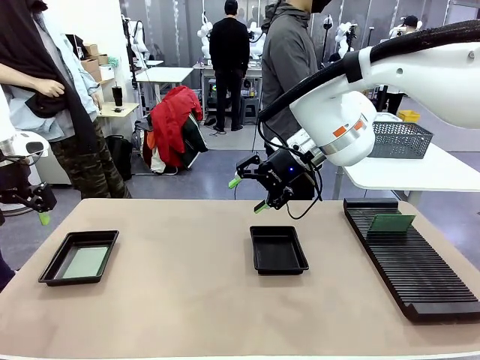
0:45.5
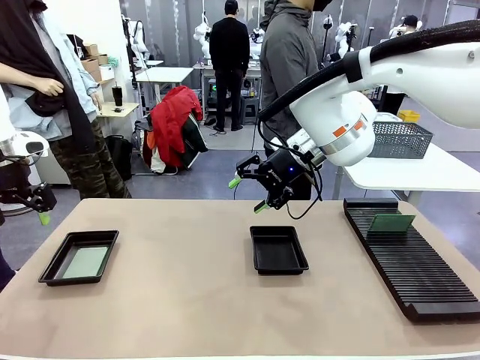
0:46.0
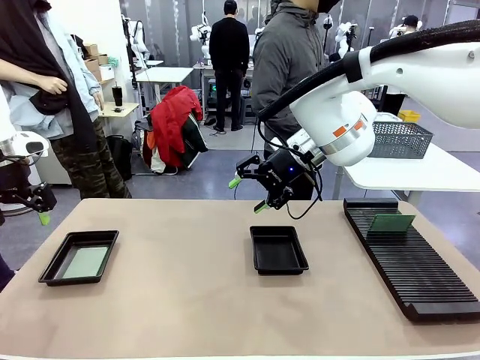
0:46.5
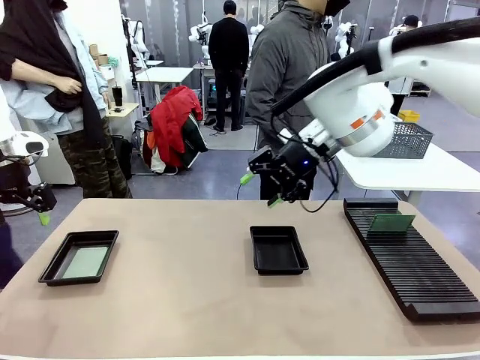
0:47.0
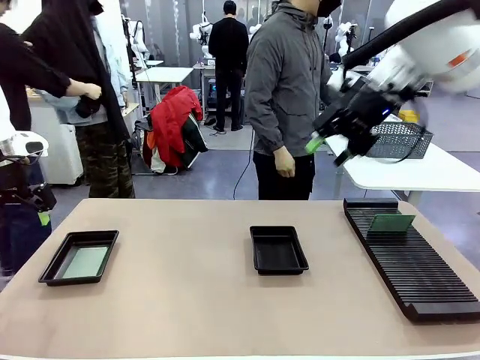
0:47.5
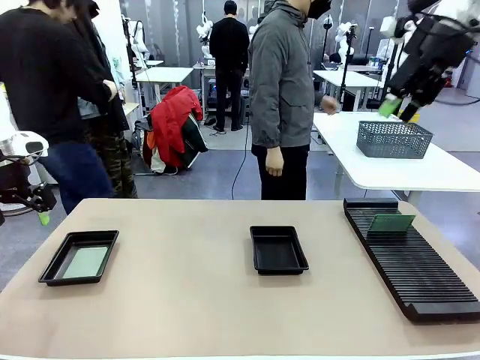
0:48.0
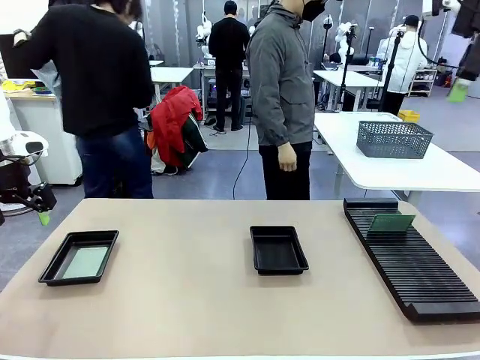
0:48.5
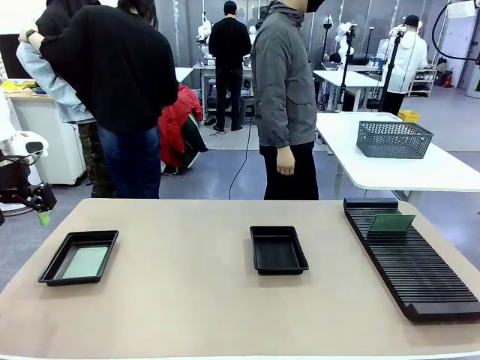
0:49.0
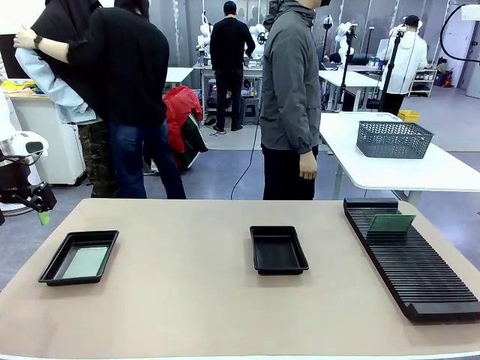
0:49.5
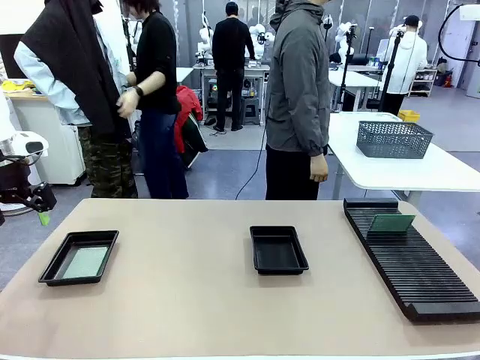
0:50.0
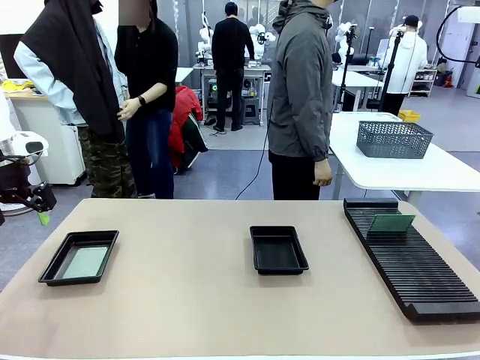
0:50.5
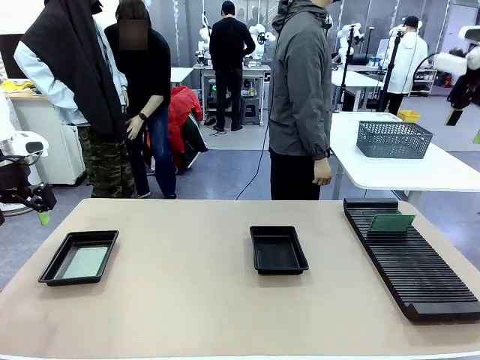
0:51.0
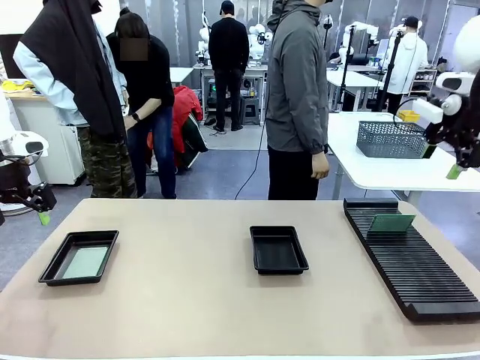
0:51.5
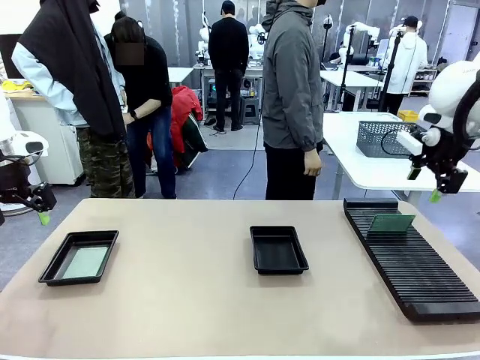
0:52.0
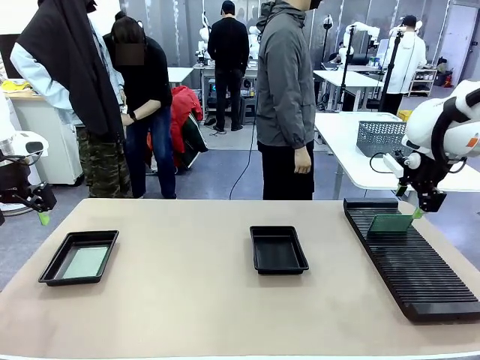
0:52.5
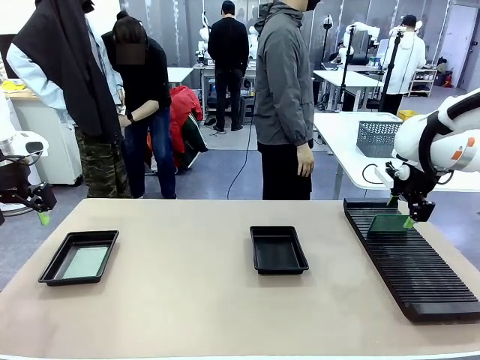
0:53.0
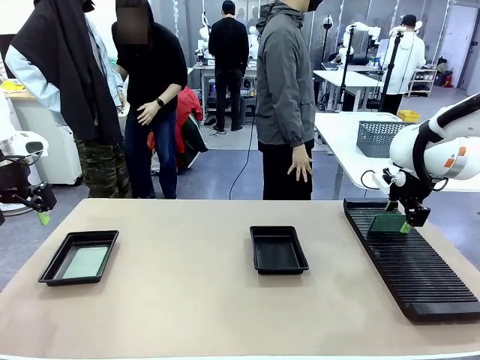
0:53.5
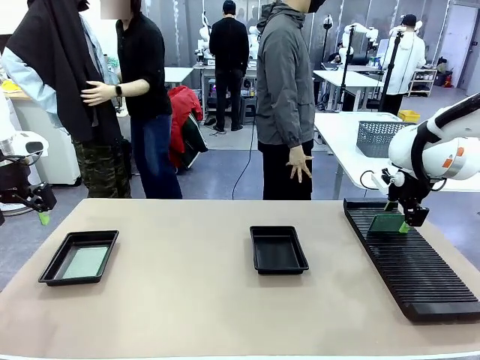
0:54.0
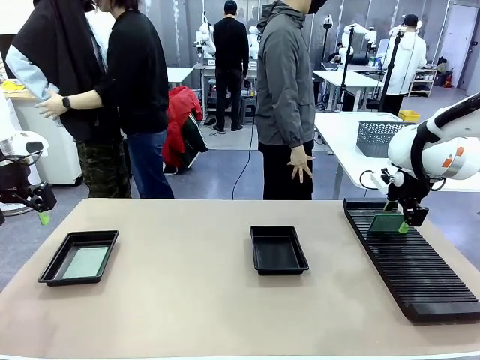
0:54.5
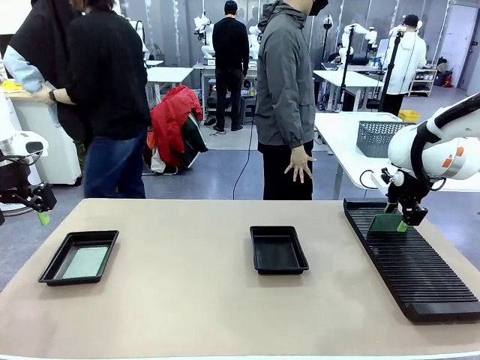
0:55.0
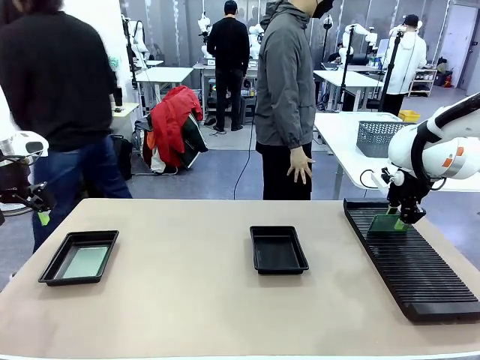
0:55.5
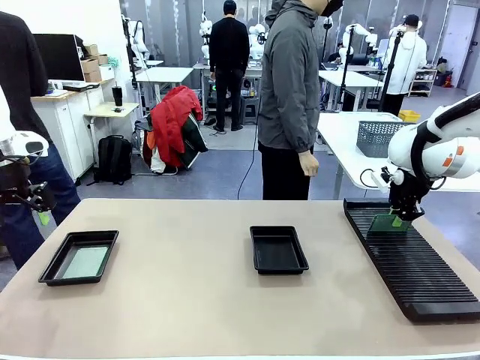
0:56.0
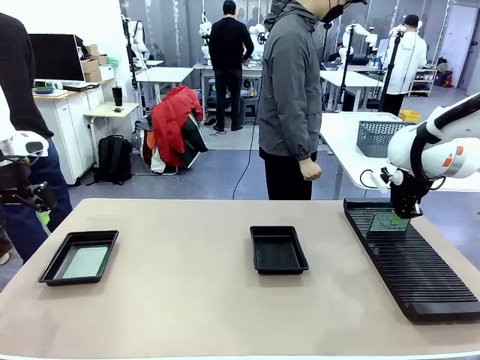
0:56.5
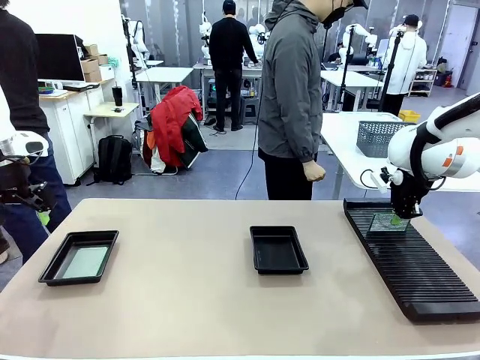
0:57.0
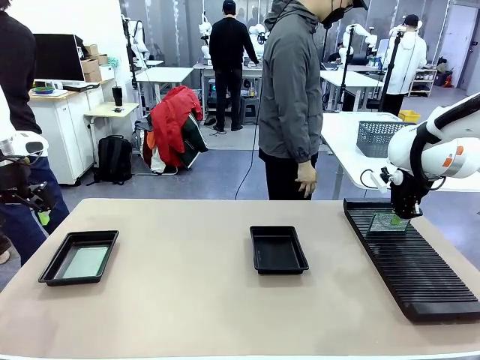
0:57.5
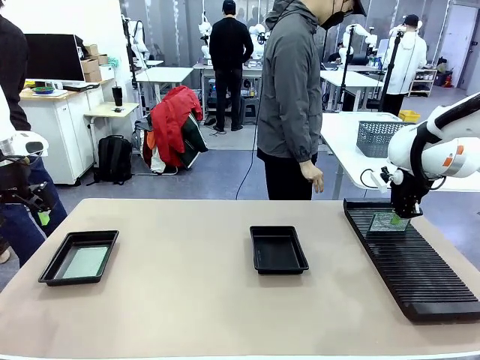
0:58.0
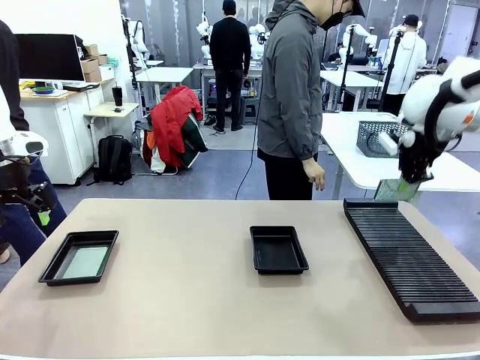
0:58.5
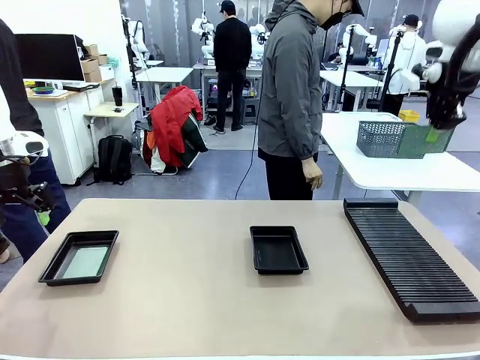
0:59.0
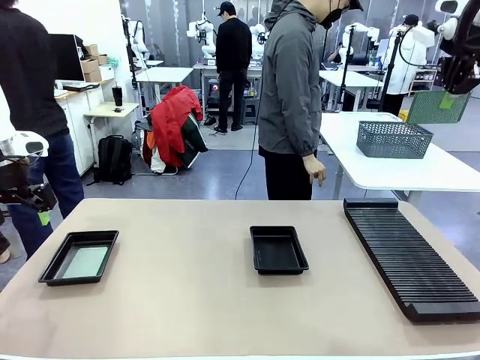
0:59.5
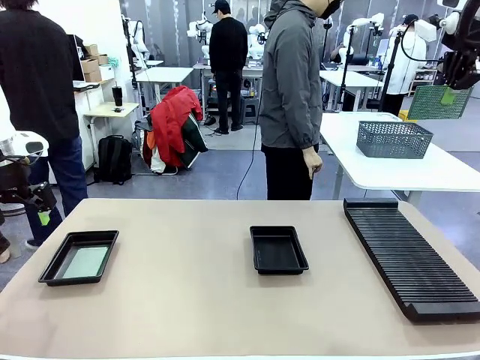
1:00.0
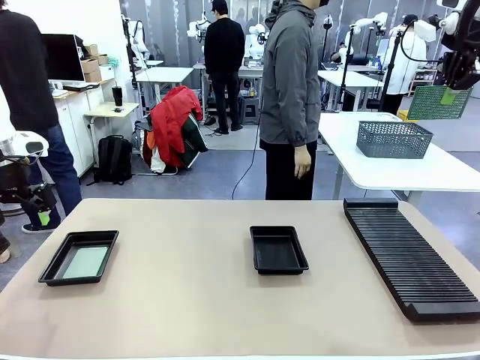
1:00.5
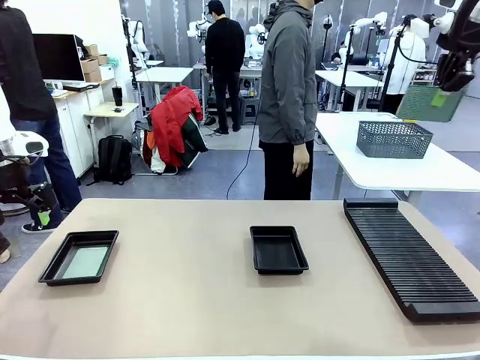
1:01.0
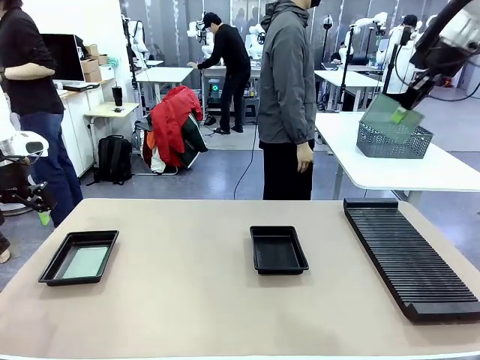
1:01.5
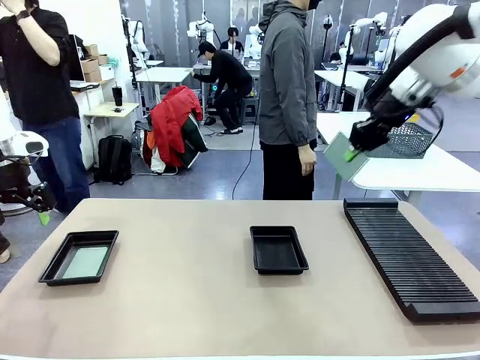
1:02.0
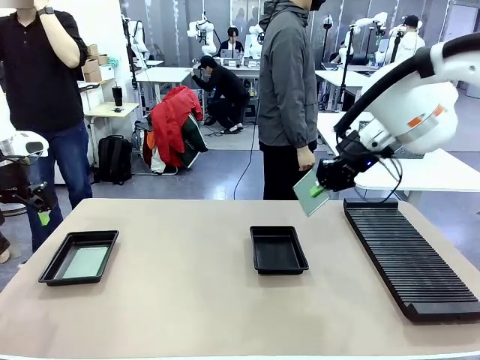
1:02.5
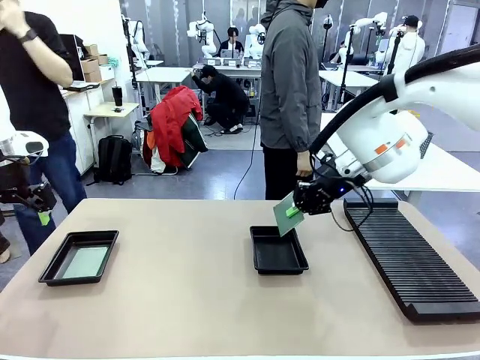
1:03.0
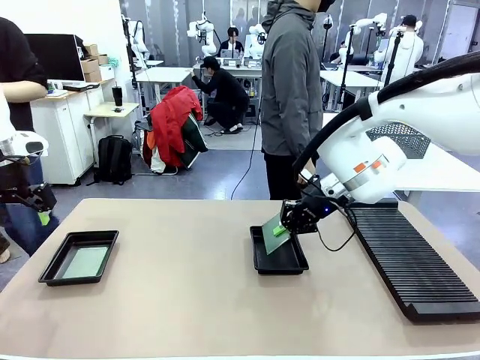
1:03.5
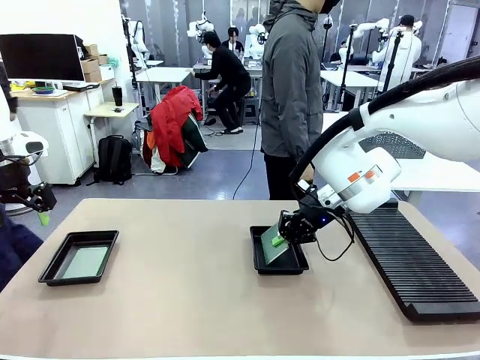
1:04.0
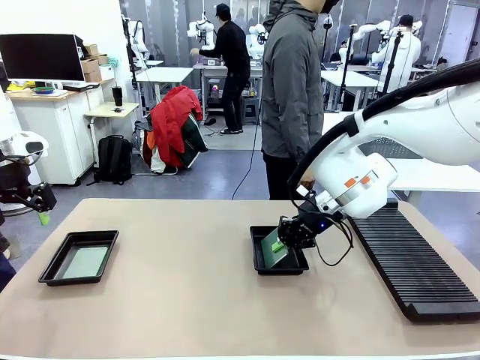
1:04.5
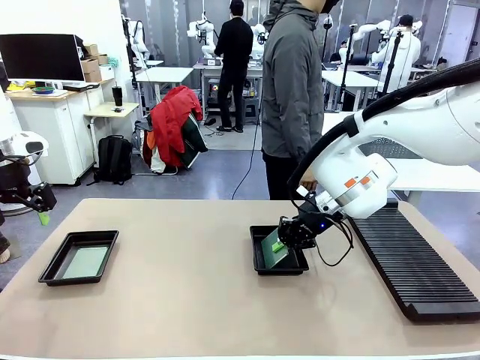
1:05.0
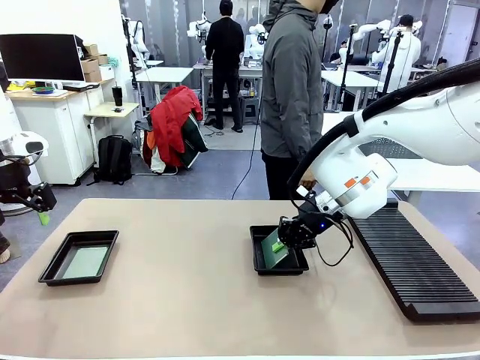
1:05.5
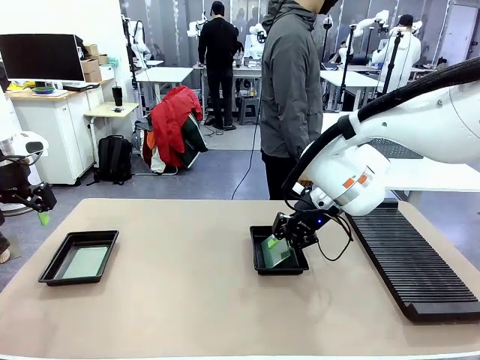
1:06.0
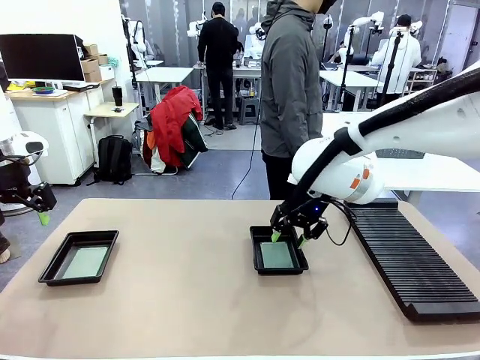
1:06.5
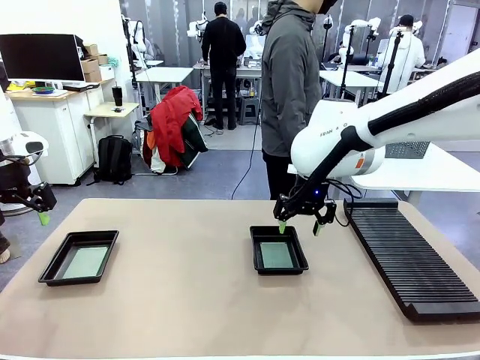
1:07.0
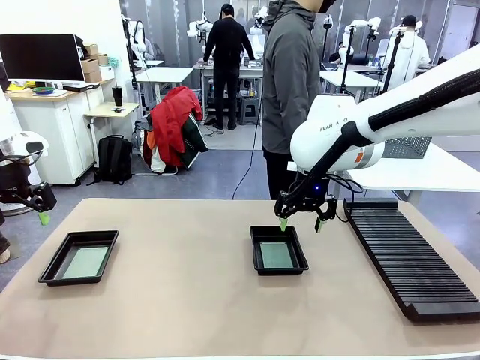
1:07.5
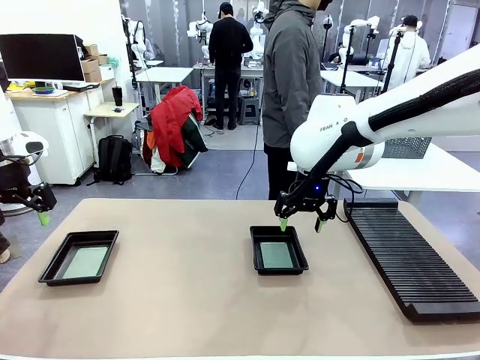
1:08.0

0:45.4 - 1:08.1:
Task: Inspect and transfer BCBs to ESD trays.
Robot: Pick up the Blank PCB from the PCB Rack and place it in the right ESD tray.
